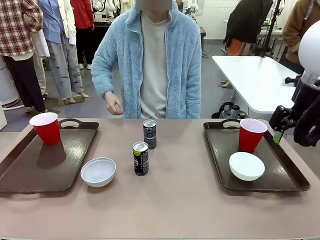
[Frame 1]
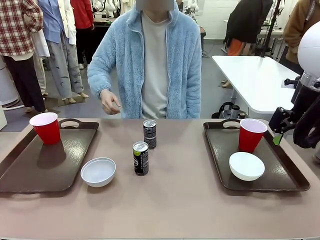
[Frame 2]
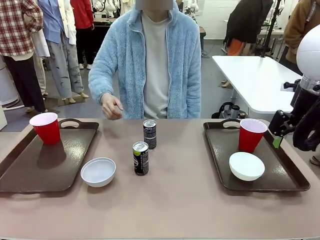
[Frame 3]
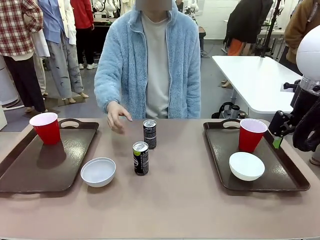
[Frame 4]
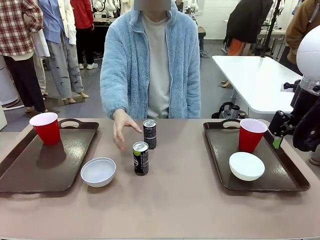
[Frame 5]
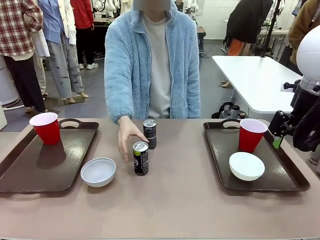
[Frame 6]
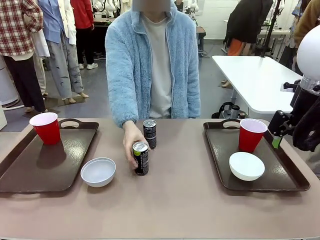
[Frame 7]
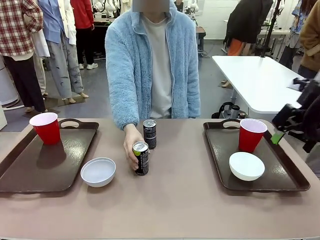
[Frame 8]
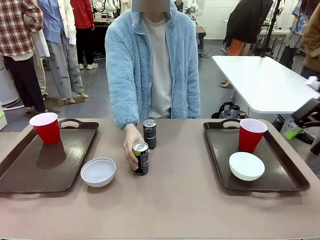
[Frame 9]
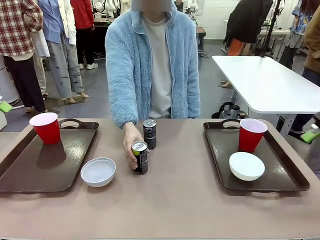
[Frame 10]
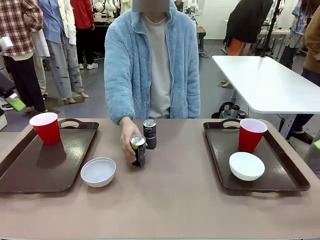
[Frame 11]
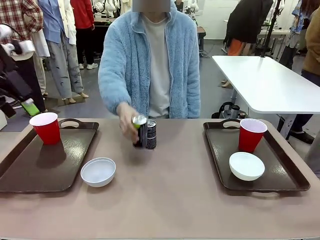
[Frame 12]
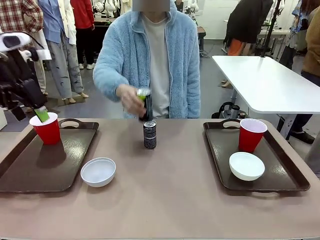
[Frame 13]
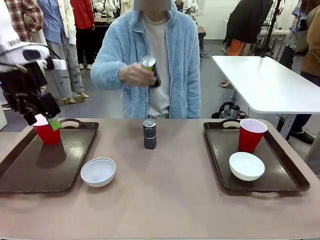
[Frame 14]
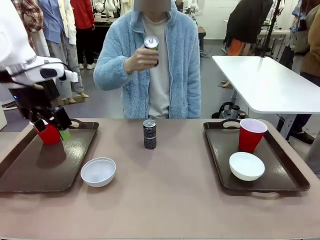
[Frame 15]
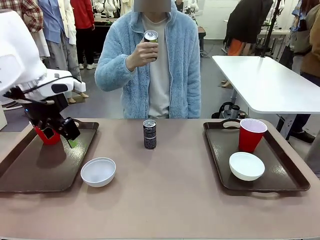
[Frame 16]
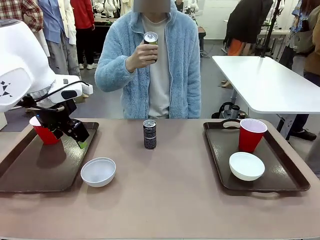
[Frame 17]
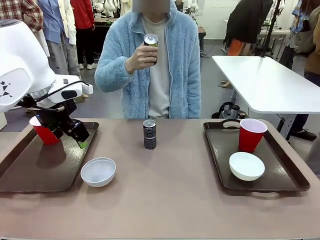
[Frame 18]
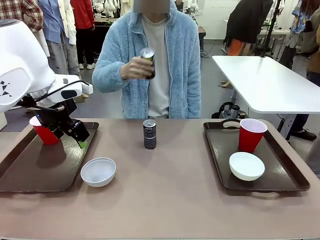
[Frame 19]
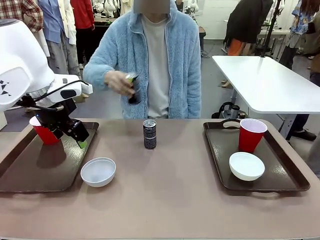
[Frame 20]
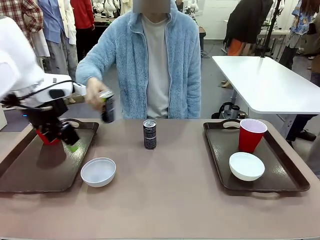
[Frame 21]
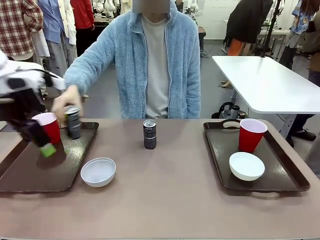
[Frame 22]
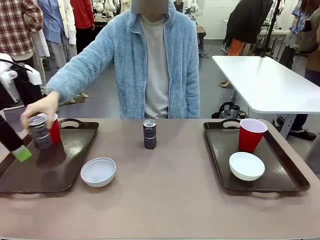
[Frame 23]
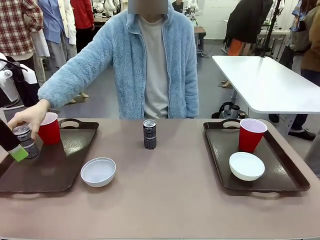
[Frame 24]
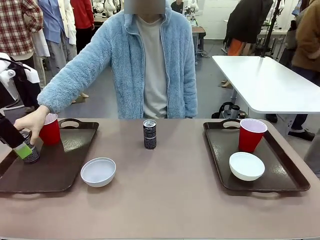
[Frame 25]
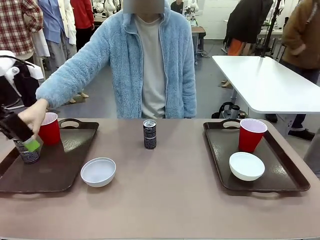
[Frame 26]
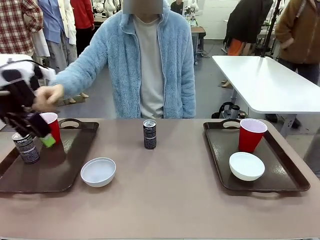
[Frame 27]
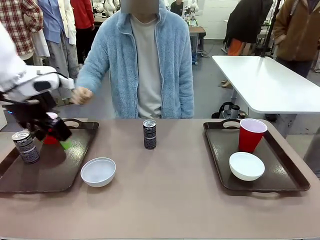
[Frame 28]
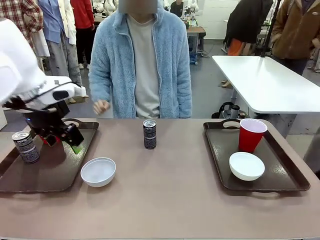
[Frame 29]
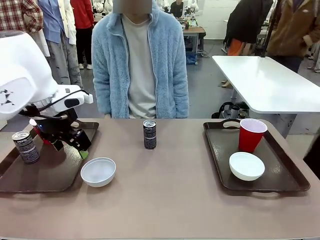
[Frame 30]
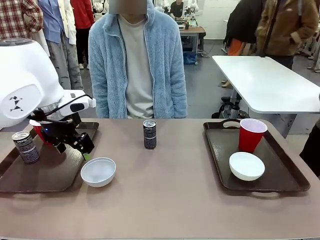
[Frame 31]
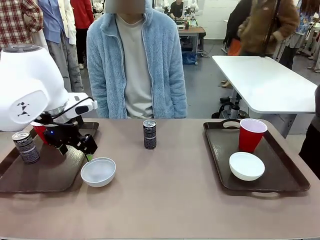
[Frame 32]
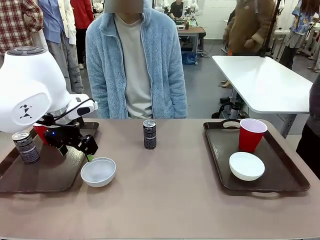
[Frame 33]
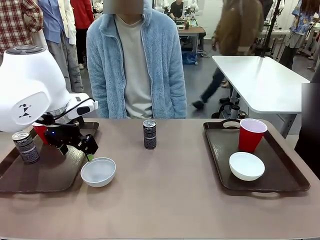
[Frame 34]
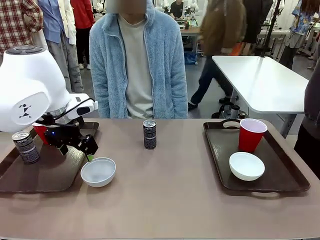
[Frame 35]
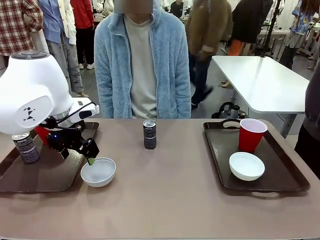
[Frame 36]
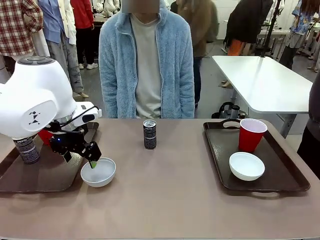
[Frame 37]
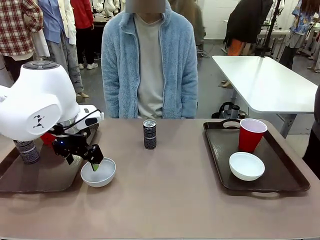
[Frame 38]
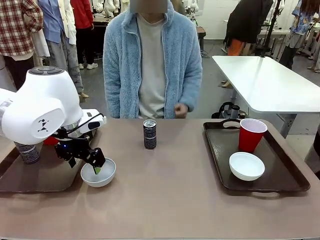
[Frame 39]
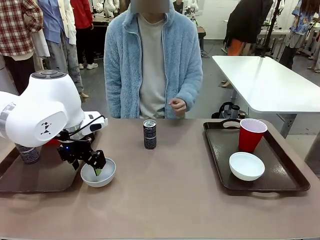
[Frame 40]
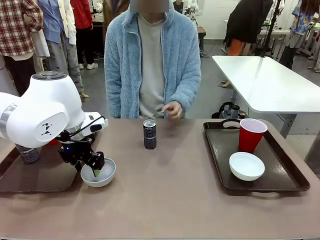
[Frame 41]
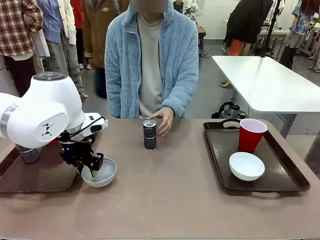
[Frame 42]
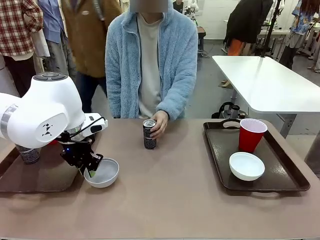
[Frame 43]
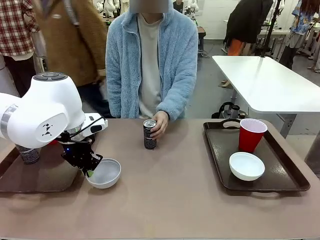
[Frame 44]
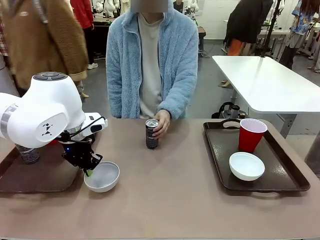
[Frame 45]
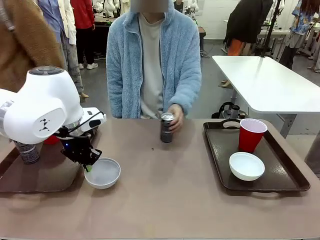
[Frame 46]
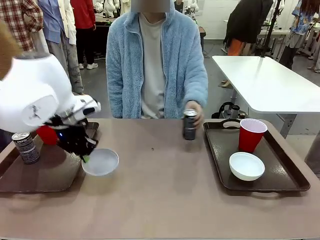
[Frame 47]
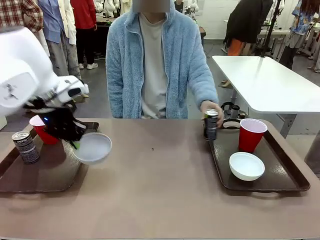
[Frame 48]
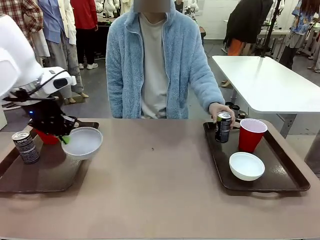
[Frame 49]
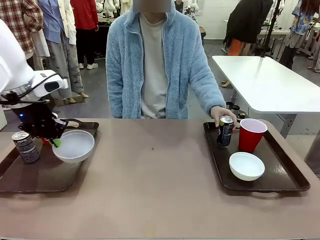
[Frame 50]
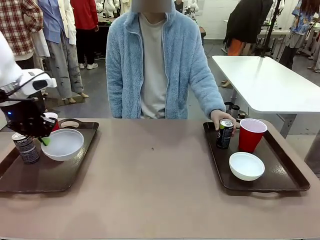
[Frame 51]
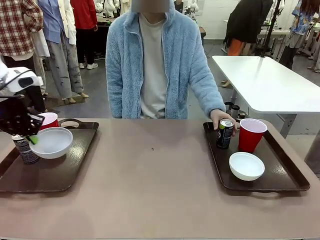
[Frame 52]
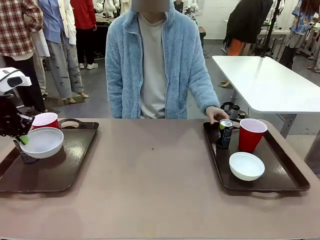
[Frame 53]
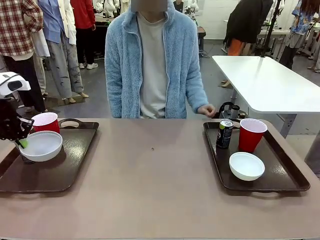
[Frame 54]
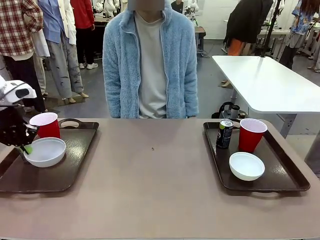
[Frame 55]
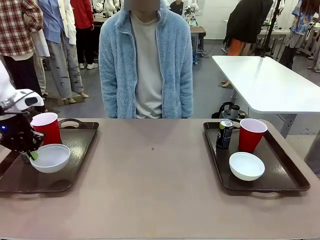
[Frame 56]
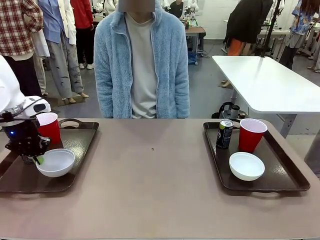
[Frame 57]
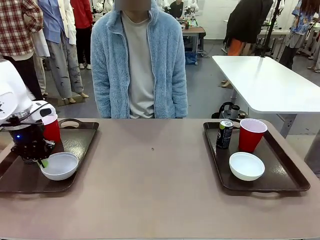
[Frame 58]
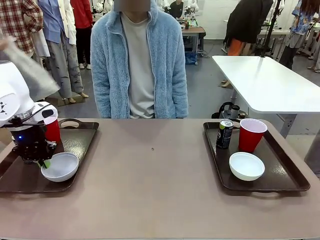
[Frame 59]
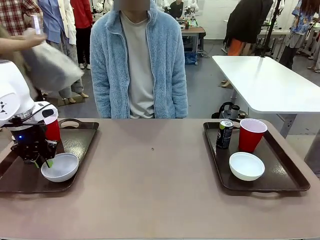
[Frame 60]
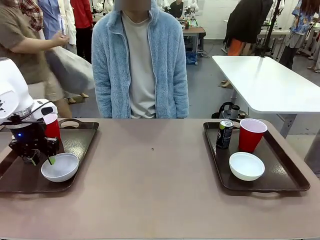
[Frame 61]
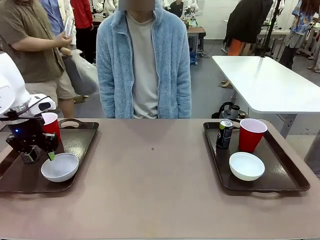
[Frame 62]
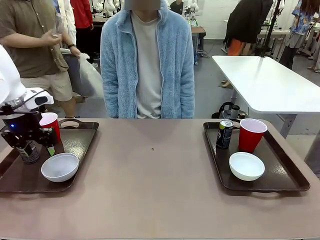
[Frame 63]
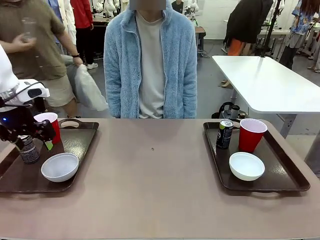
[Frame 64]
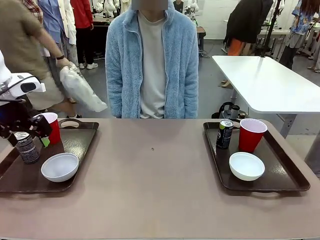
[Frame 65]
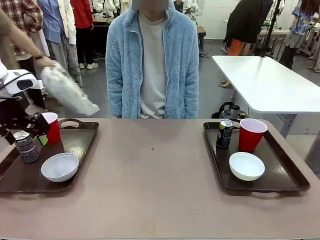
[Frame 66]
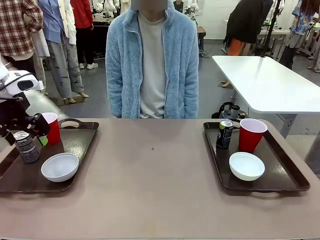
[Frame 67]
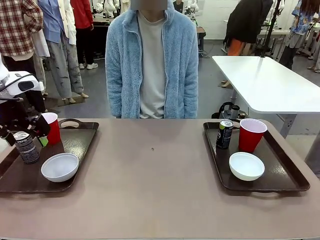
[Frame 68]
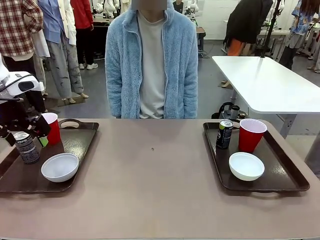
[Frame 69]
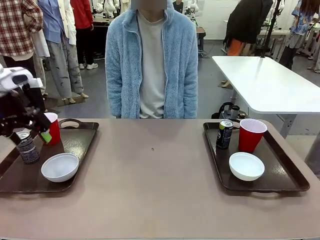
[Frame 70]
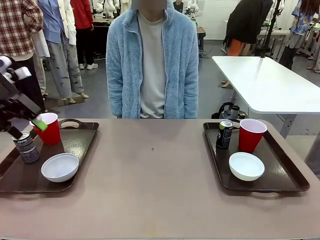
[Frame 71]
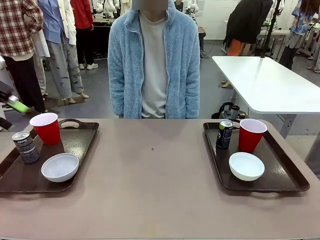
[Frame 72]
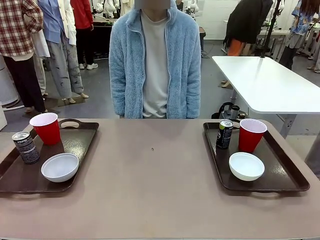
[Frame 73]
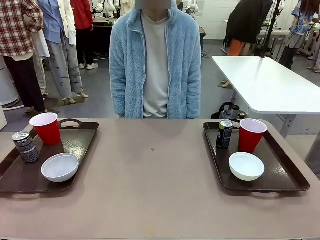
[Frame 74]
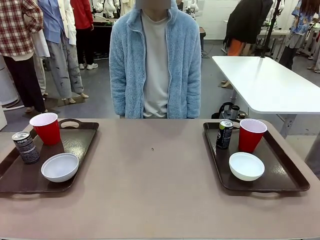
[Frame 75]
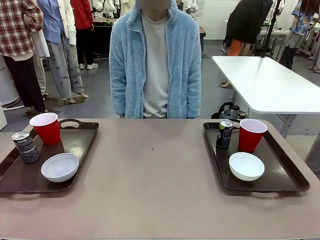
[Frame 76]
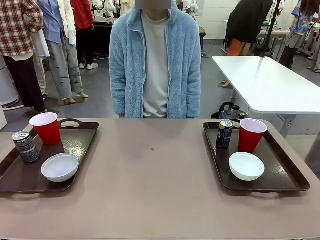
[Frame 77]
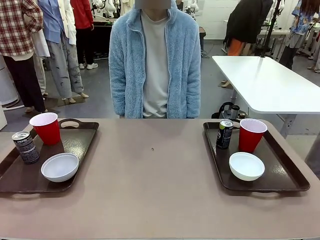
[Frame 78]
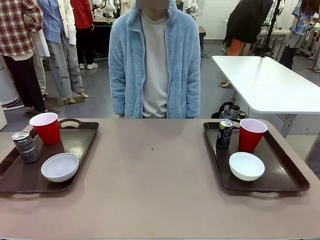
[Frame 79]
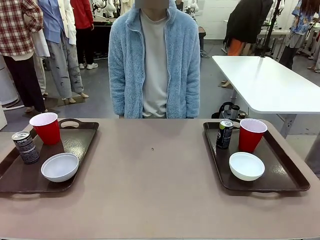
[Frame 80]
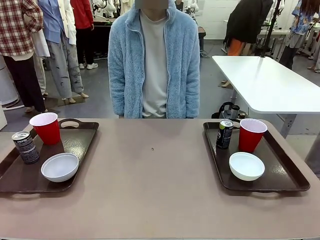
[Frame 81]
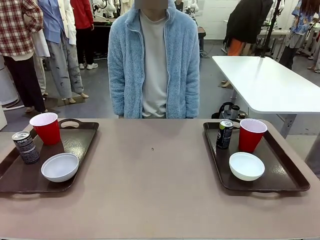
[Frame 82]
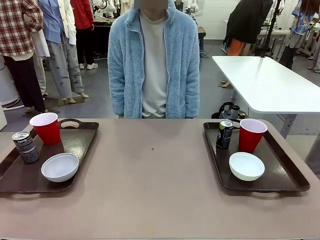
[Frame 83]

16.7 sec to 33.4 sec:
Task: Prepare tableware on both trays.
Robot: Pick up a Picnic Bowl from the table and place it on a Handle tray.
Person: Pick up a can or cup and place it on the tray without a can or cup.
